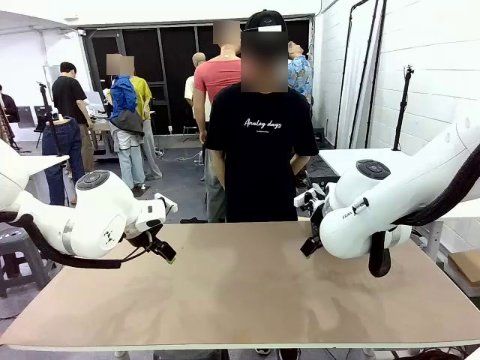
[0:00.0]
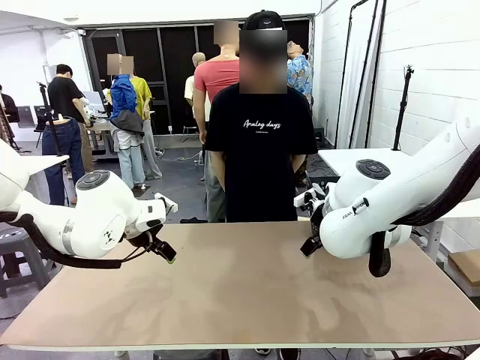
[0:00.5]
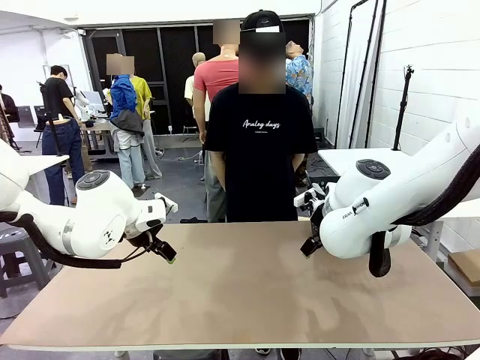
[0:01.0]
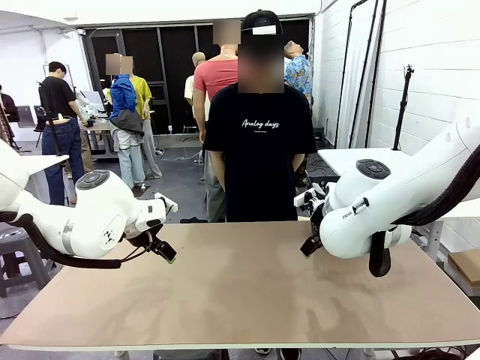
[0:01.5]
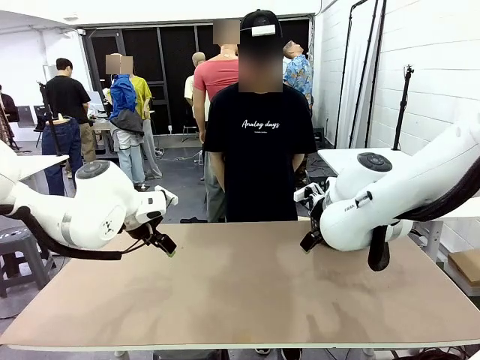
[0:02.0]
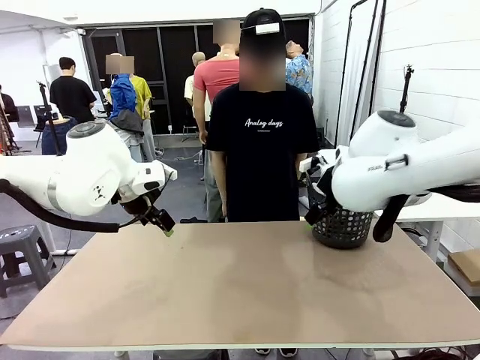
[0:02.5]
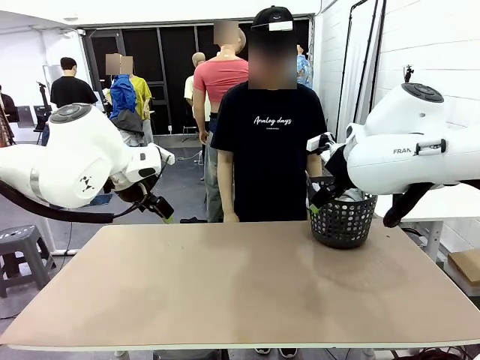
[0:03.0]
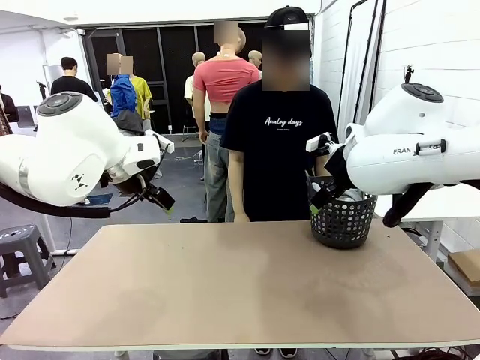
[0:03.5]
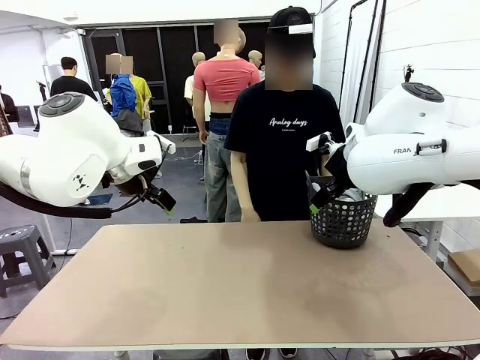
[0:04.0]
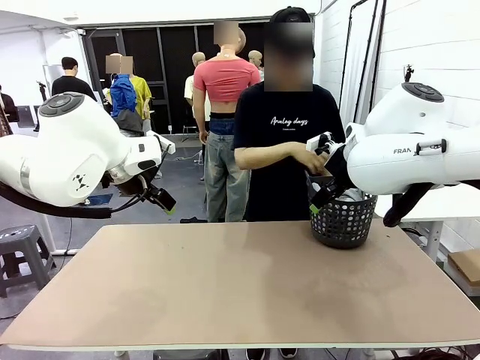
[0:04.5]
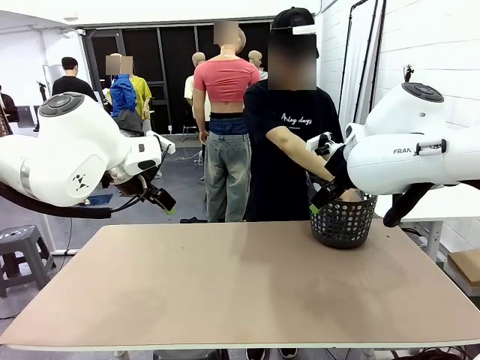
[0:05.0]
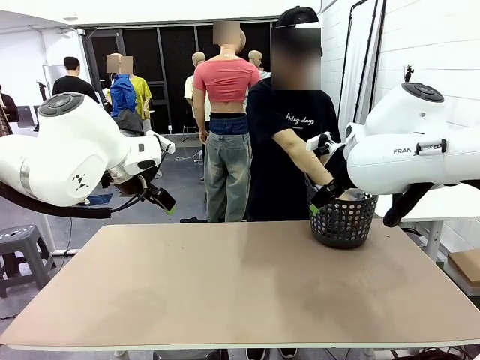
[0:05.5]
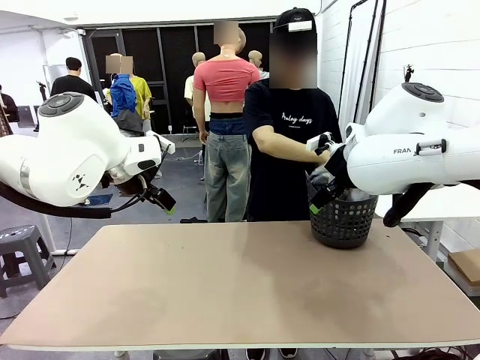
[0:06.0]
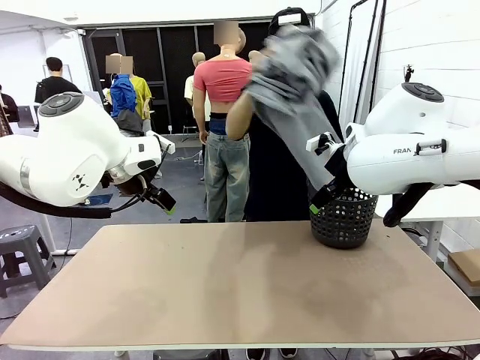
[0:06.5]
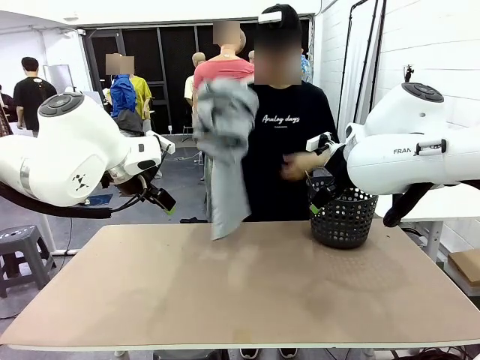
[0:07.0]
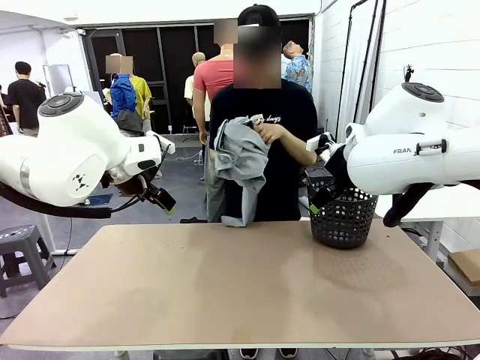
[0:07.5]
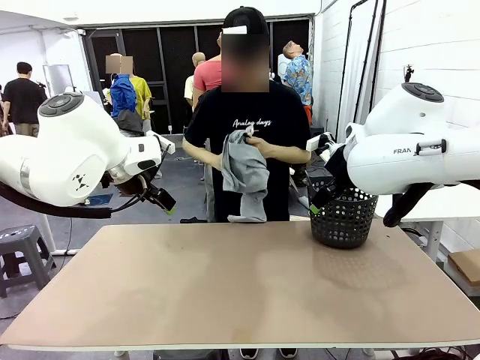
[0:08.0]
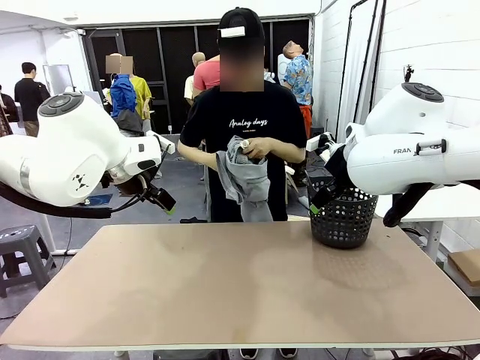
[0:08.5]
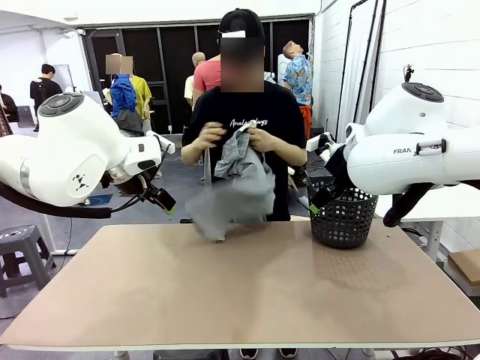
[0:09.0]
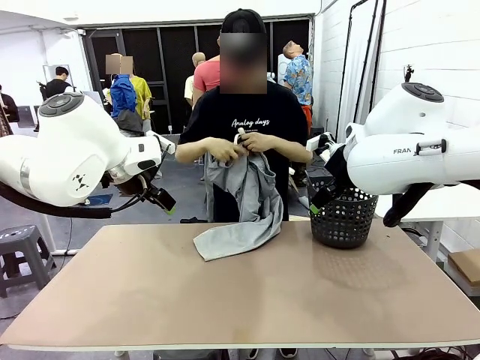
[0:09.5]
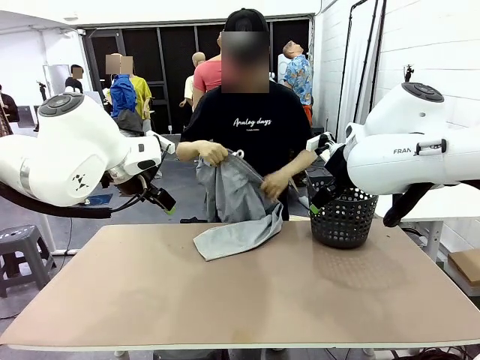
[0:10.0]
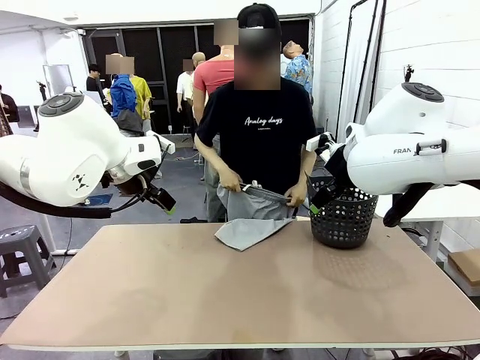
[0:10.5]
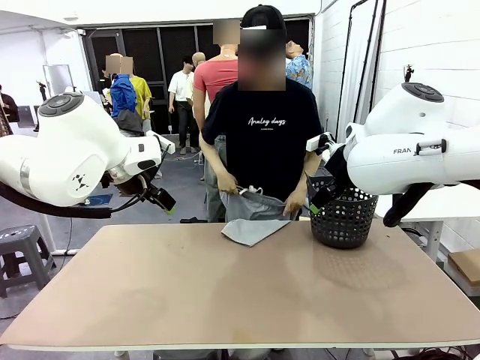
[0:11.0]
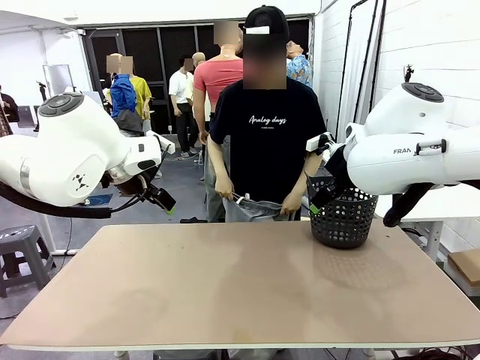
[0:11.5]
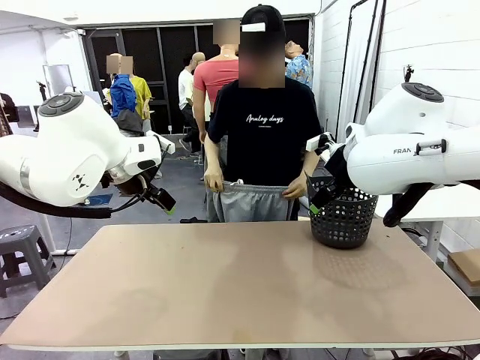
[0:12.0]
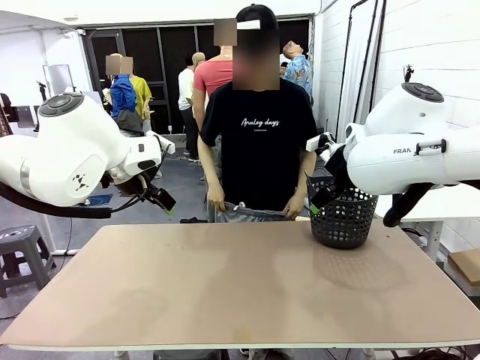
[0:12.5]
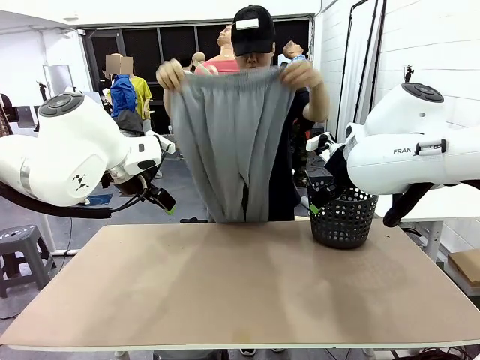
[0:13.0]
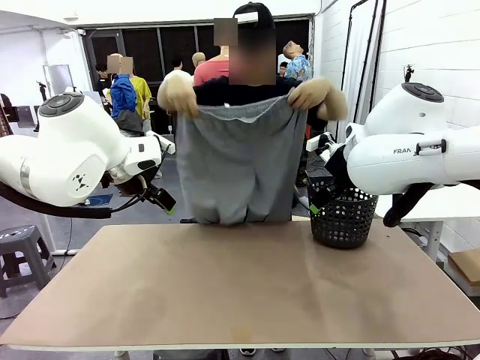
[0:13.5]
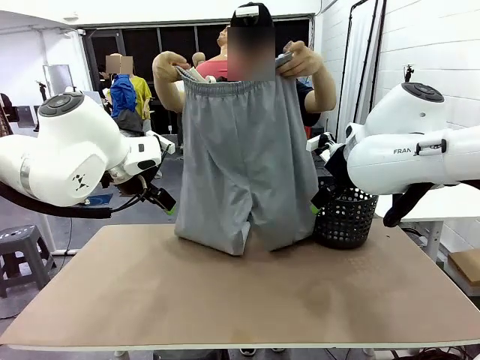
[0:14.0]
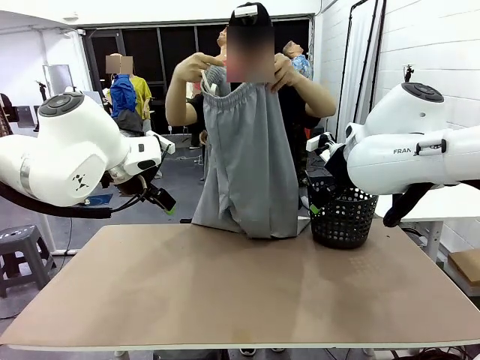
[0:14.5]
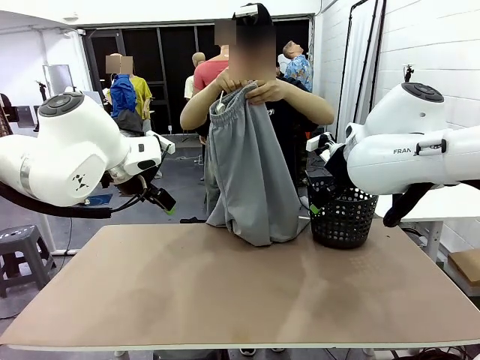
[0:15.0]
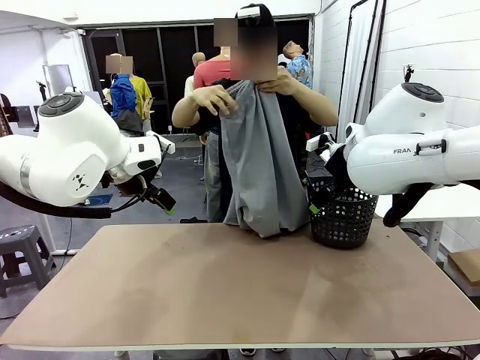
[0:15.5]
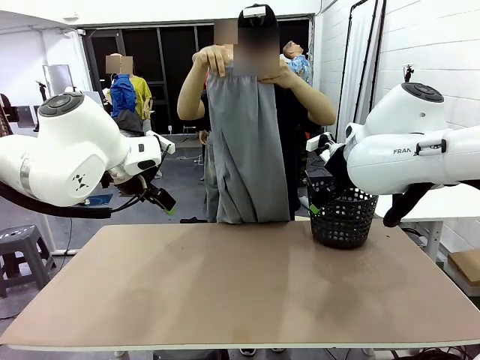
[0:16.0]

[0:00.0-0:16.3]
Task: Fold the training pants.
Robot: Grab both ends of the Training pants handed by a person.
Person: Take the long pants out of the laundry basket, unfold them, fold the waist in half, and extend them so the robot can pick up both corners.

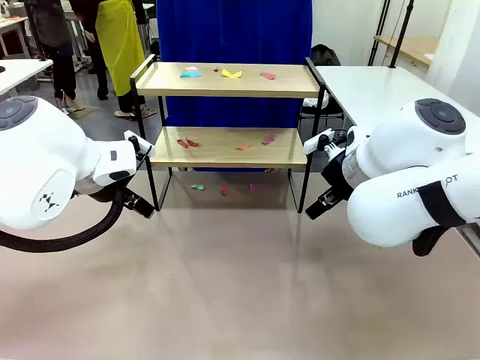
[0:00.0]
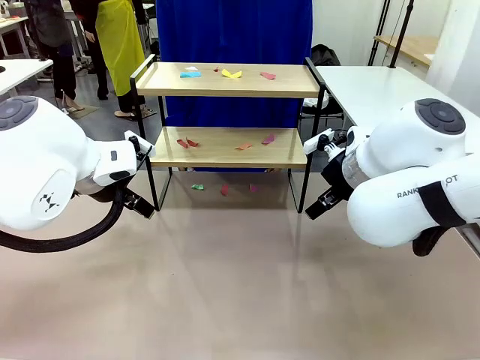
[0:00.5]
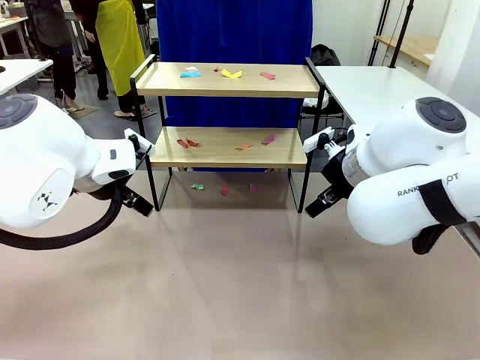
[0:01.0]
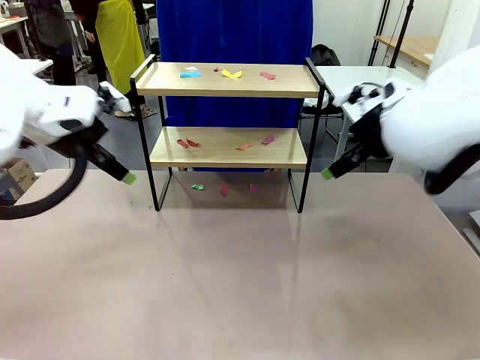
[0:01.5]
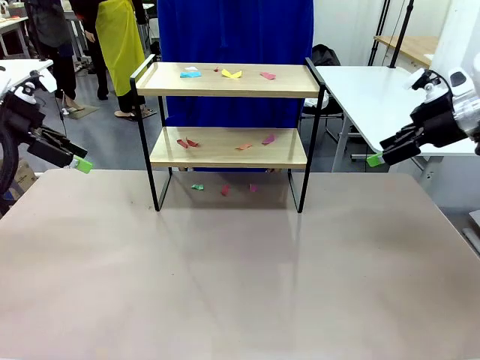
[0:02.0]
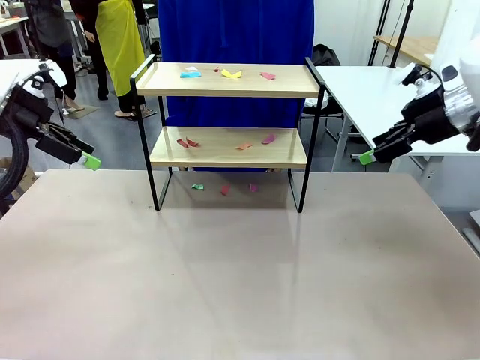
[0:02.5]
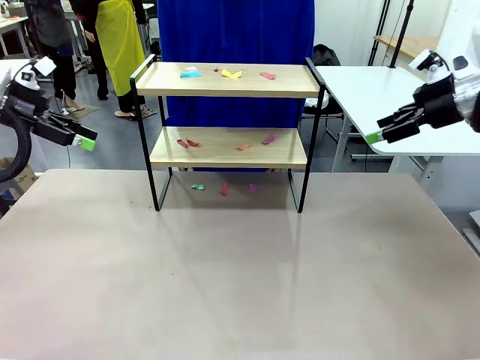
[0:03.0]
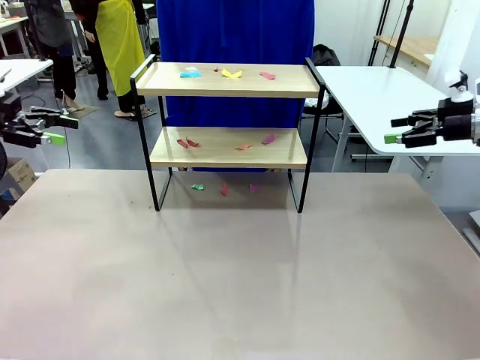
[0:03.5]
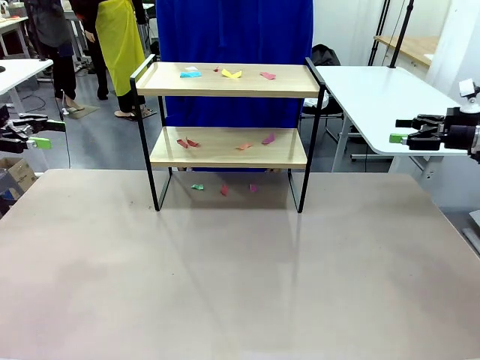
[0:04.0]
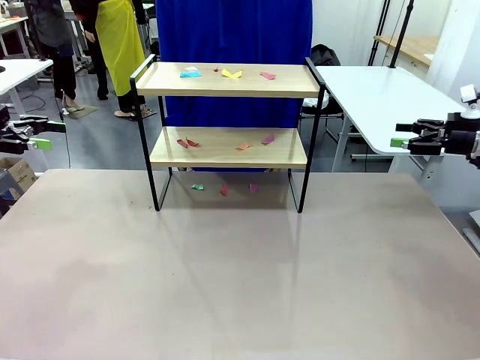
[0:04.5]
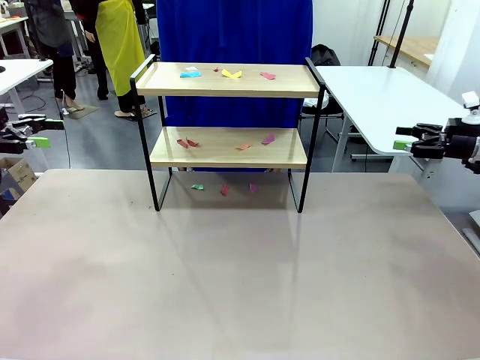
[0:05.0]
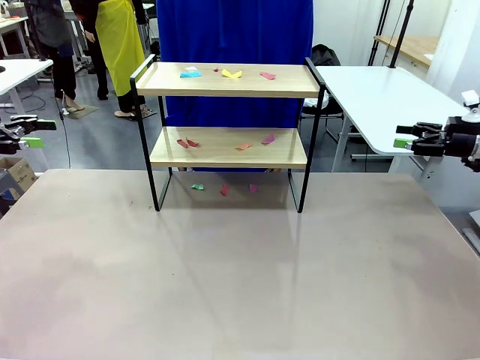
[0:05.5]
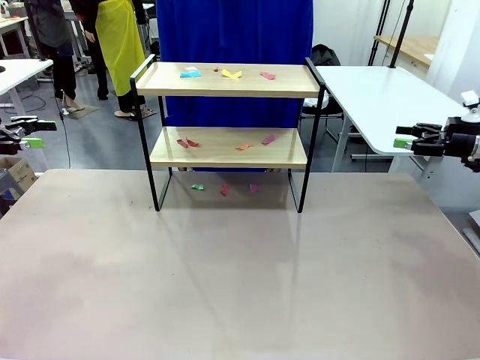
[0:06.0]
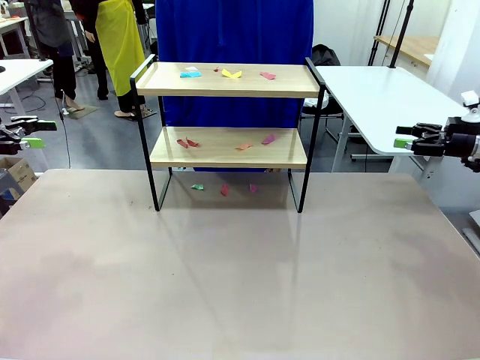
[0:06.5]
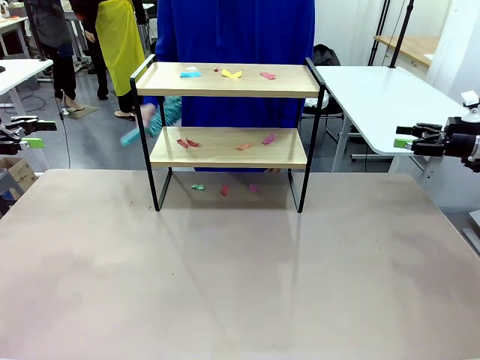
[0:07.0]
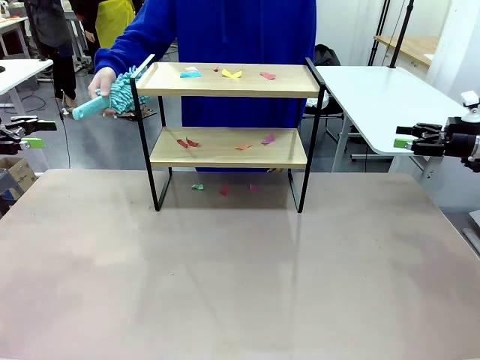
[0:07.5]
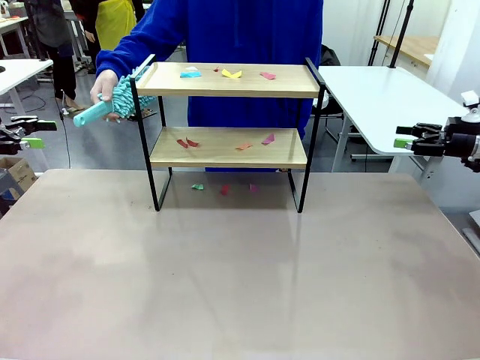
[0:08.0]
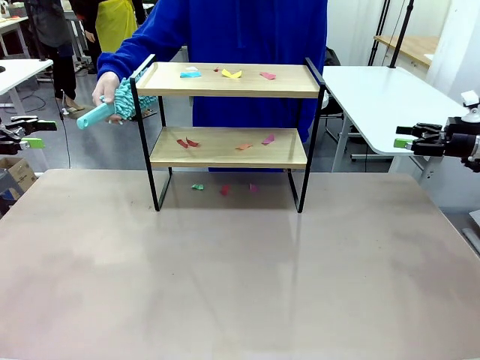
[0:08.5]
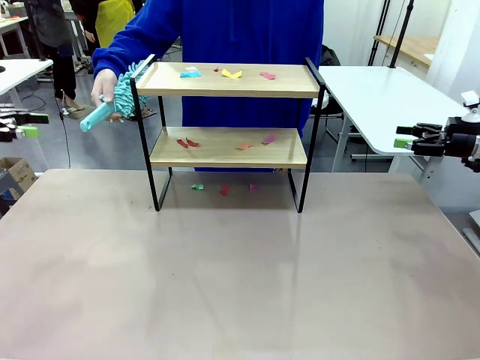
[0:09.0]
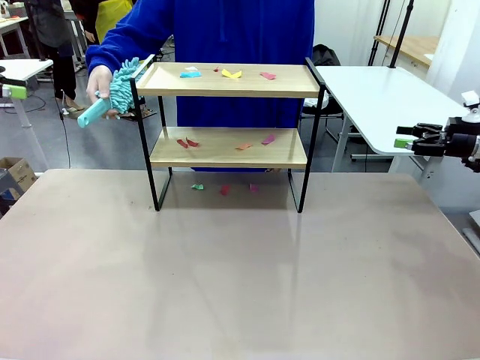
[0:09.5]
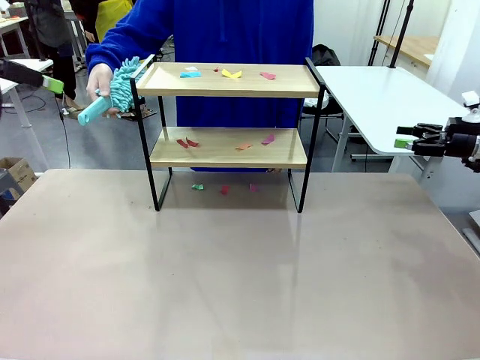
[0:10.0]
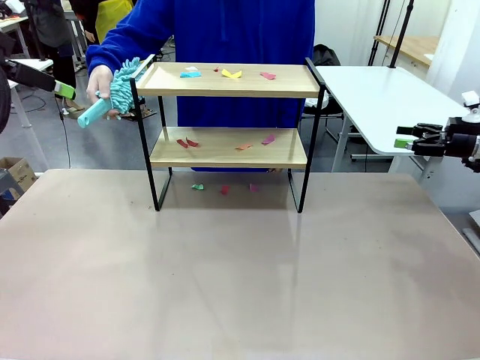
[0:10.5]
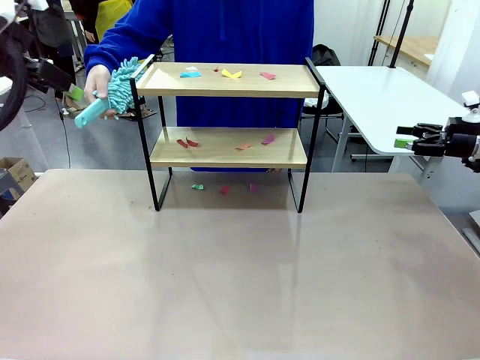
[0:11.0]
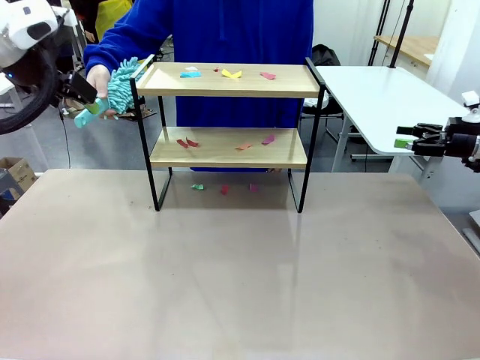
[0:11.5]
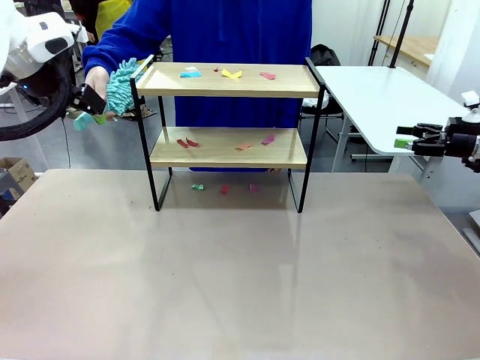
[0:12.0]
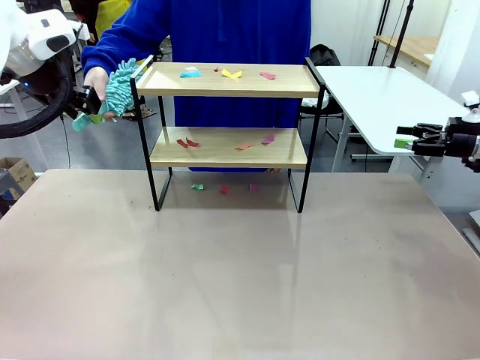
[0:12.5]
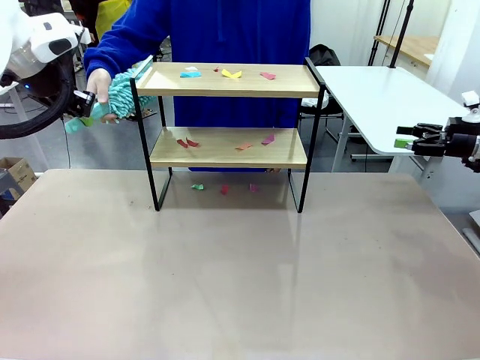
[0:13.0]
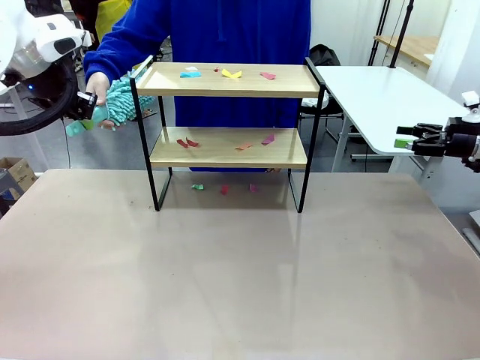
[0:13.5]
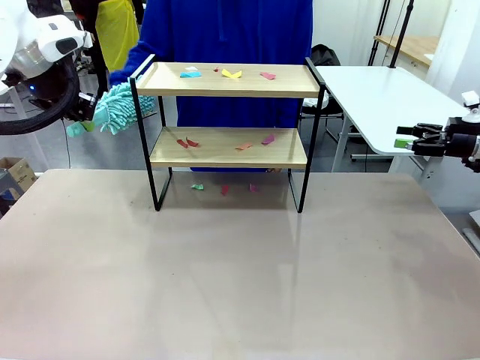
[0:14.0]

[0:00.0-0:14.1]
Task: Clean the shelf.
Robot: Pick up the Duster handed by the human.
Person: Hand the Duster to the robot.
